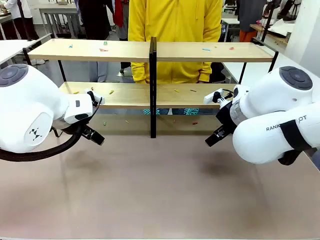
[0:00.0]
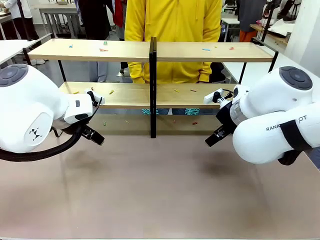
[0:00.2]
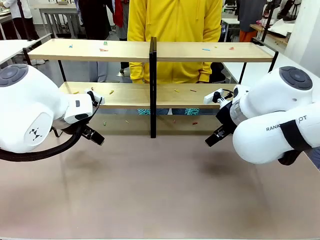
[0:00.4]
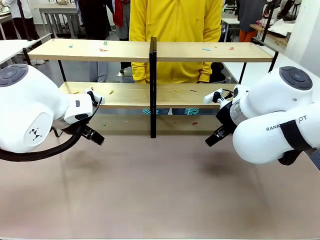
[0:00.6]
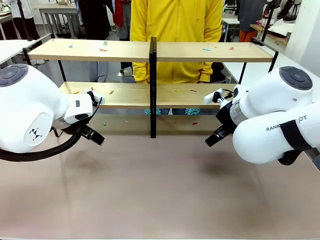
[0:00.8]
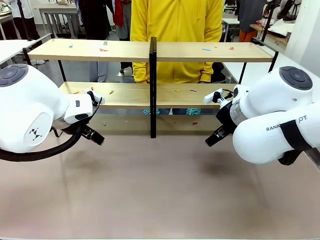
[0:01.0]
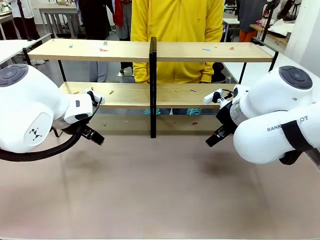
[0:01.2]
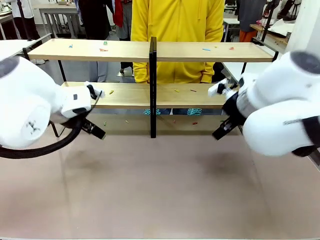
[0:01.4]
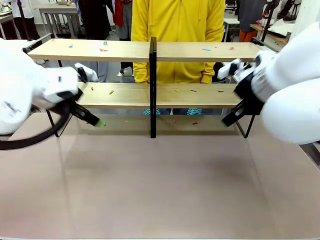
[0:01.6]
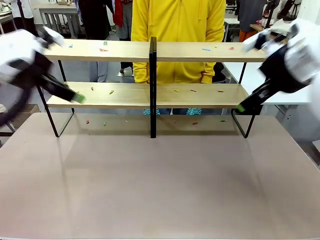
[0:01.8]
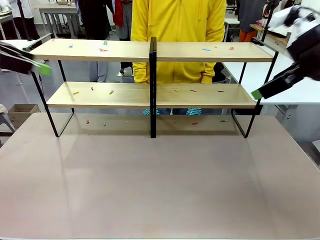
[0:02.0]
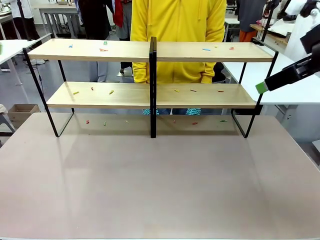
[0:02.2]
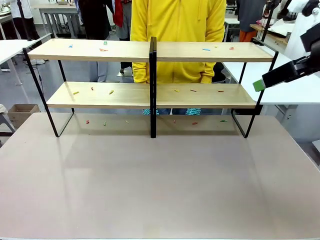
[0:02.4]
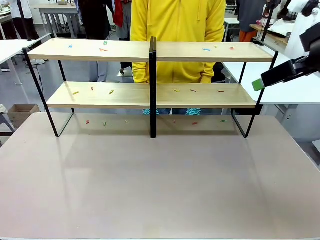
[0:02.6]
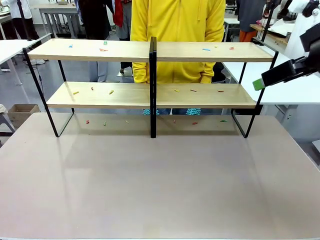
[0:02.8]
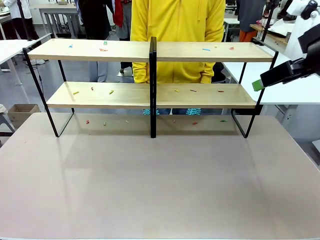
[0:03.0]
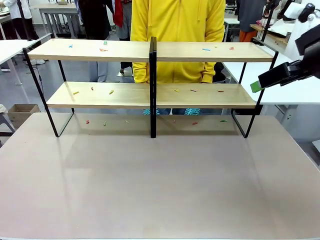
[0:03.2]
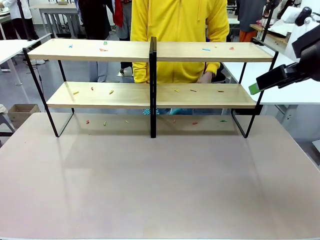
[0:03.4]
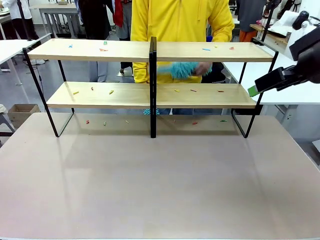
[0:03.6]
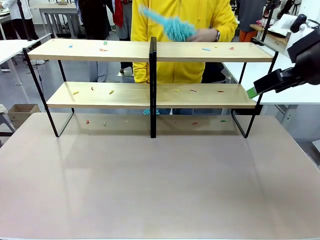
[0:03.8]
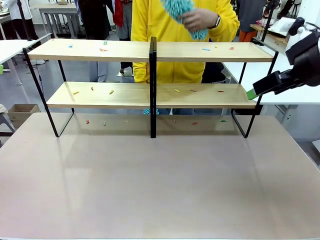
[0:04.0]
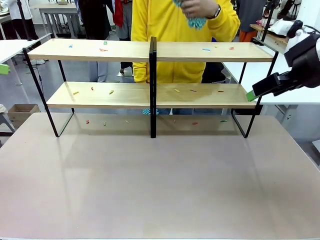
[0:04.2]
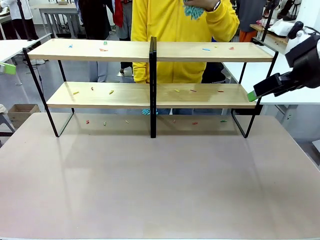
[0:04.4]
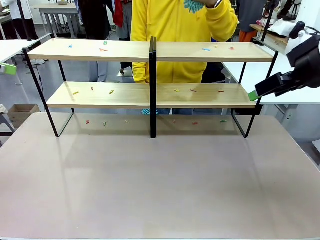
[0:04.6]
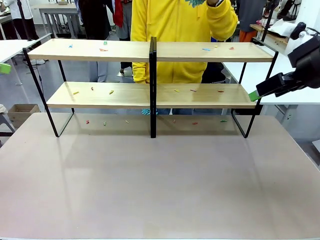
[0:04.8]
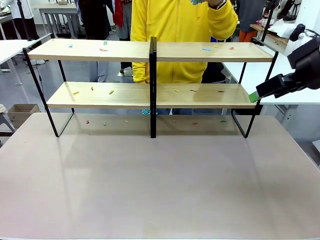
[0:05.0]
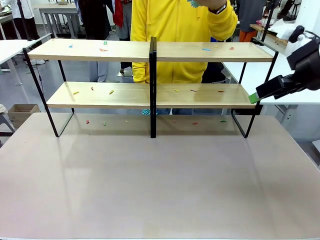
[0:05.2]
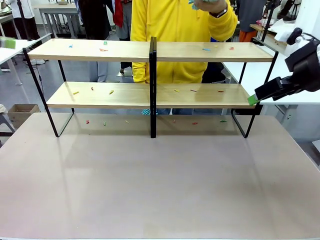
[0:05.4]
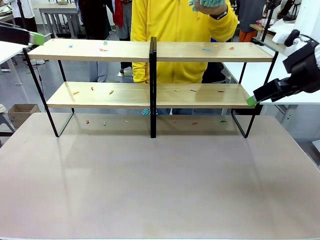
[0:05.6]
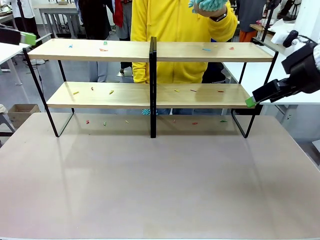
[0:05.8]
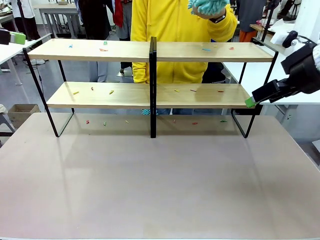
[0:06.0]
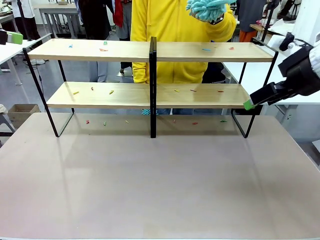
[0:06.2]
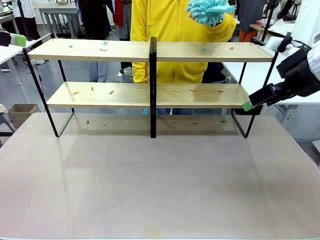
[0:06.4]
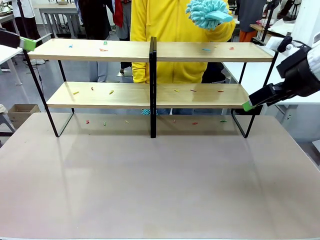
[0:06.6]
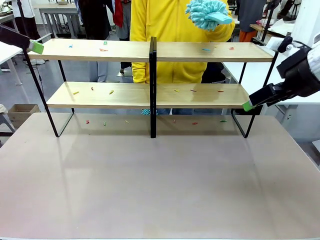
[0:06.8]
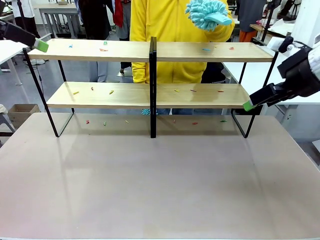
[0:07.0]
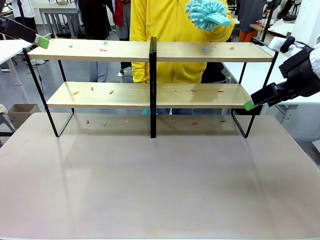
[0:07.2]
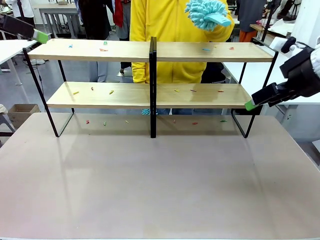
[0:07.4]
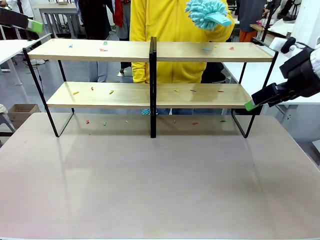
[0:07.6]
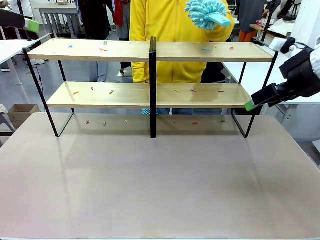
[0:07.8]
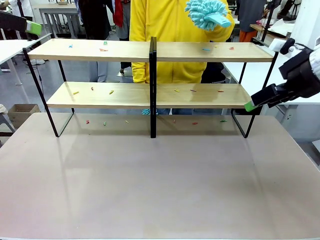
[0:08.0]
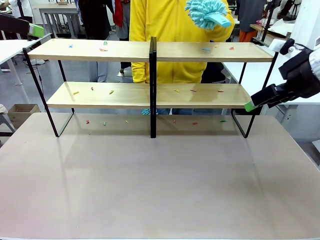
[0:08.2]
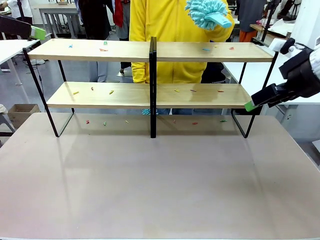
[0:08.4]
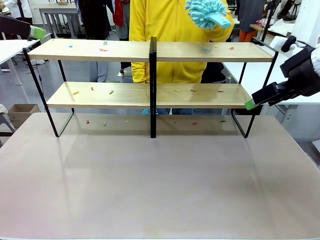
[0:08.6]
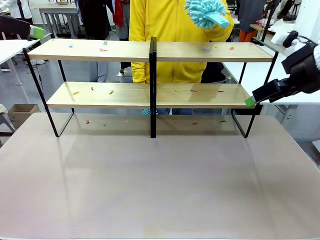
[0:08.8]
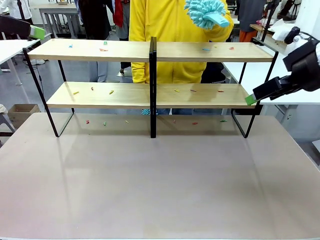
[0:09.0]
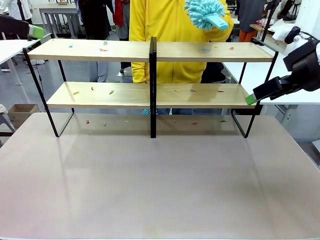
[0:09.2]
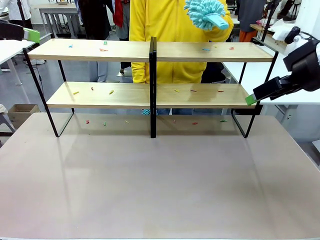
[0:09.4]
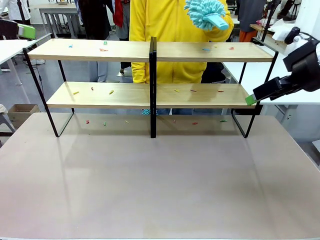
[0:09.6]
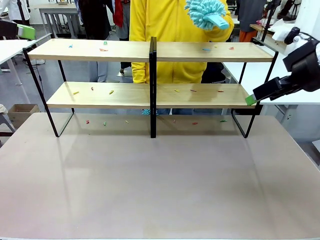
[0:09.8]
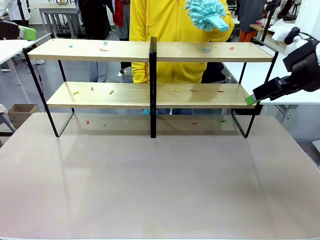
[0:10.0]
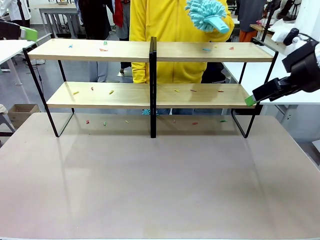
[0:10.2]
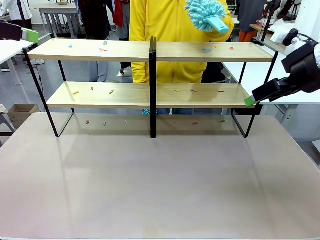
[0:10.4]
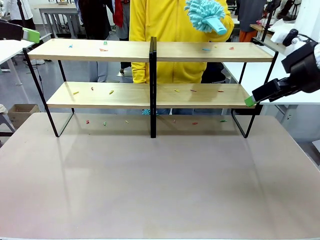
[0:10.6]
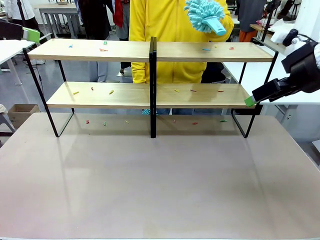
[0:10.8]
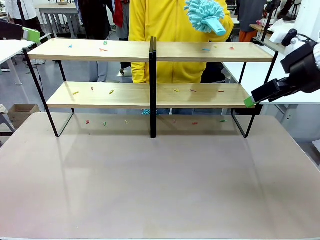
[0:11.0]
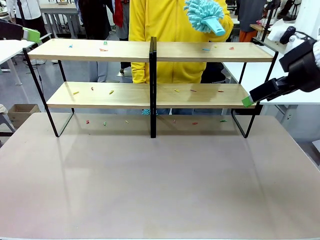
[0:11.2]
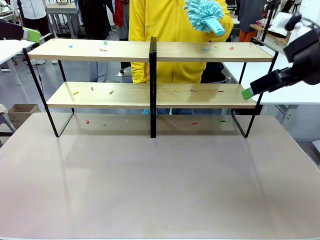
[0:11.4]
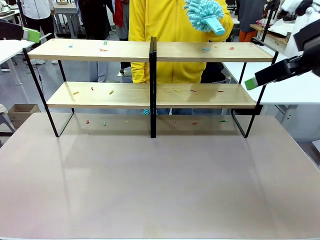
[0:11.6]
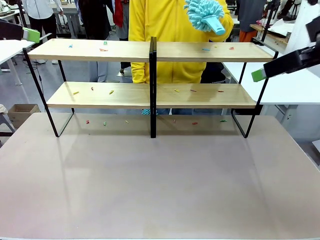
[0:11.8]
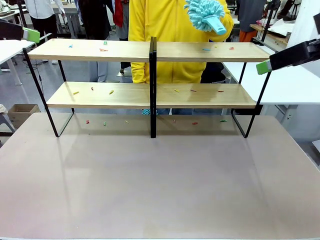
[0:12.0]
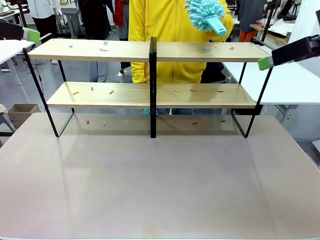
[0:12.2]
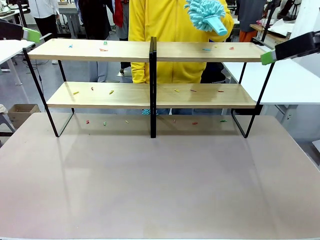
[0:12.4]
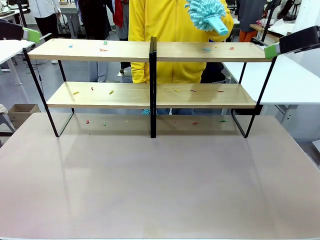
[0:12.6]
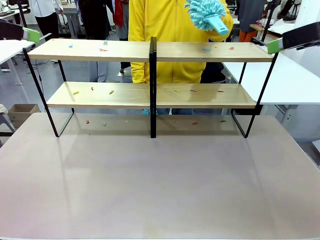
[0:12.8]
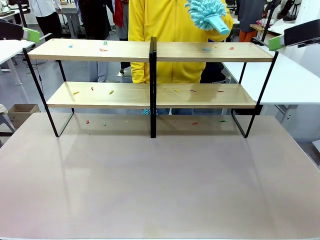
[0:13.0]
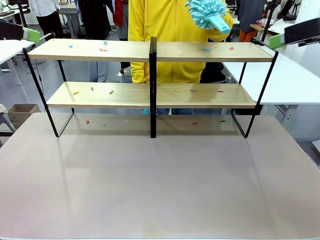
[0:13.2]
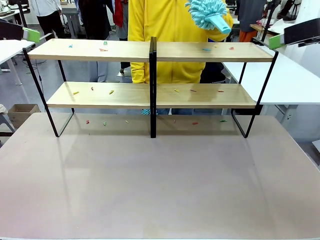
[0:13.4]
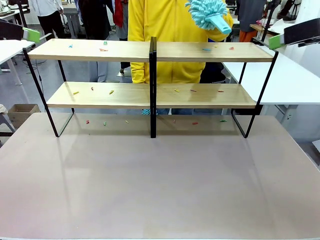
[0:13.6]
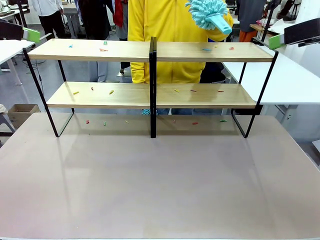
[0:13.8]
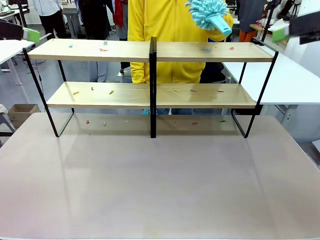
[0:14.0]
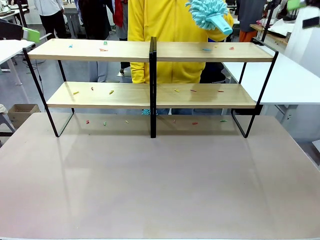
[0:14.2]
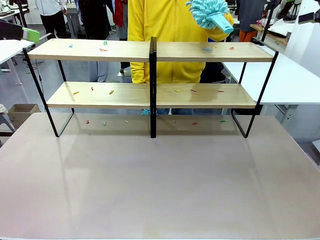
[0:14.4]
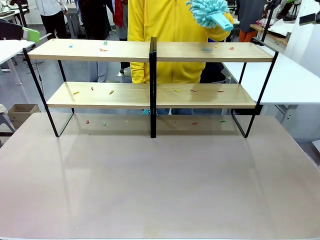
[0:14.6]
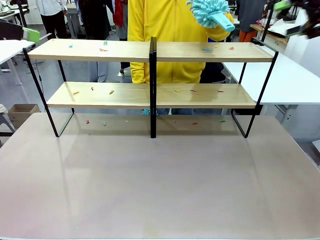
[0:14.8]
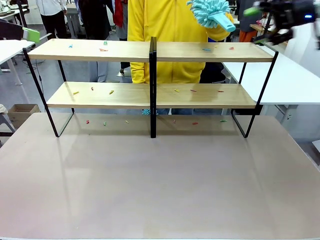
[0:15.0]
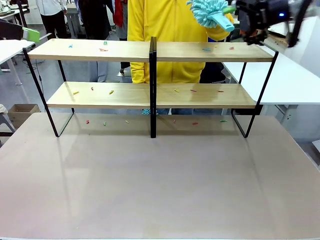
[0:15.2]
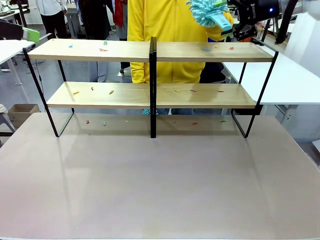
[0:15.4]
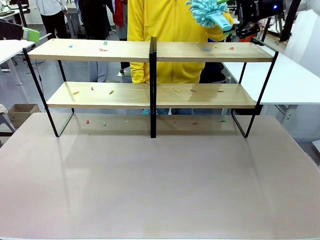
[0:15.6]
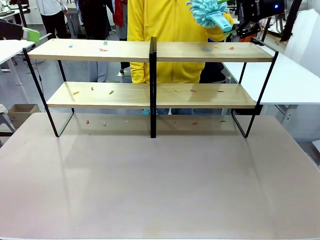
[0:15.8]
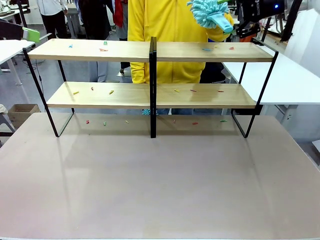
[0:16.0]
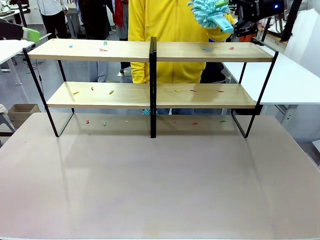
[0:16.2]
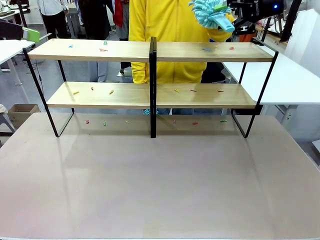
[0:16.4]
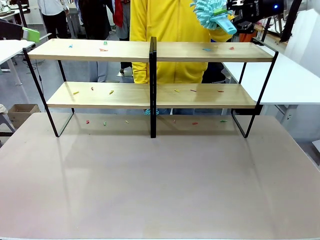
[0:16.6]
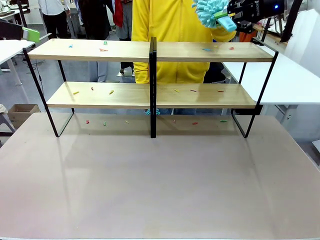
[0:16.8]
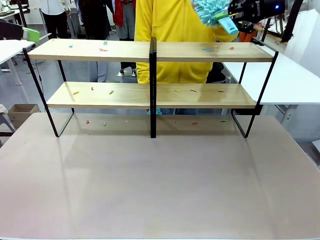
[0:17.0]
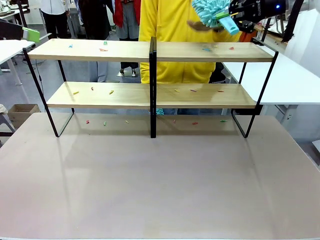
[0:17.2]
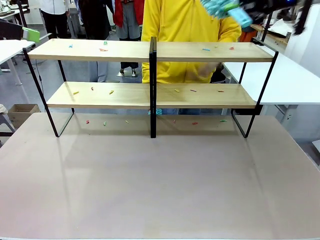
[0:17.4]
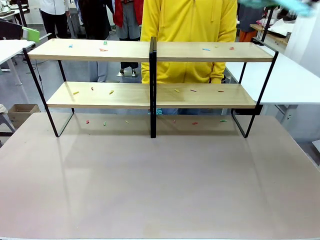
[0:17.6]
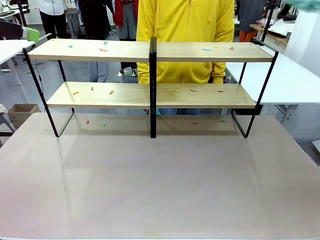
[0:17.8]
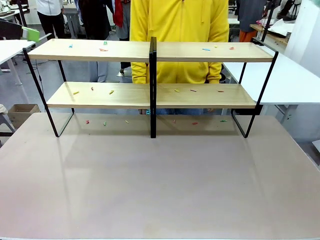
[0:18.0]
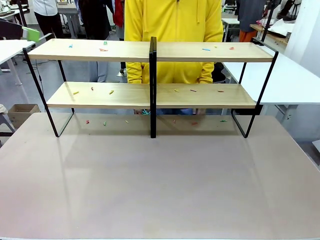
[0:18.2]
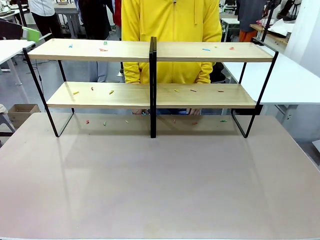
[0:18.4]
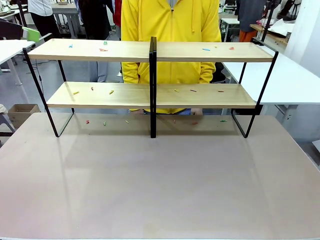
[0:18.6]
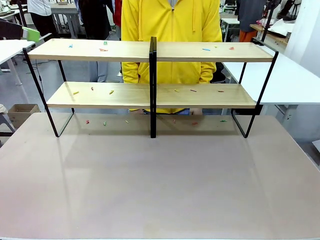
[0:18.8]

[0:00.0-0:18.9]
Task: Clean the shelves.
Robot: Pick up the Duster when the human hands it over.
Person: Hand the Duster to the robot with your right (or left) hand.
